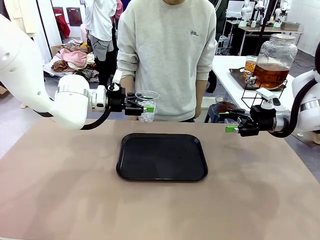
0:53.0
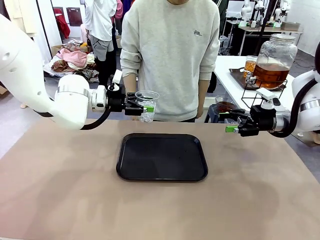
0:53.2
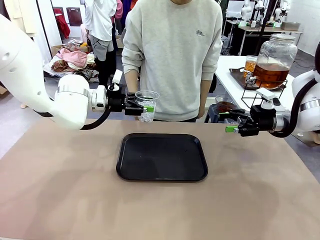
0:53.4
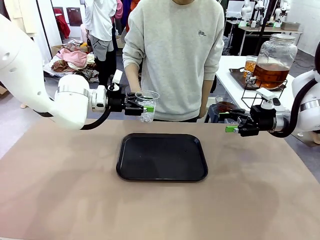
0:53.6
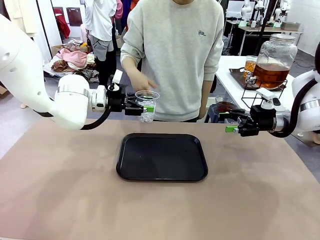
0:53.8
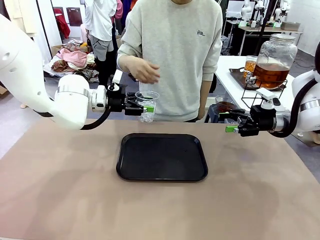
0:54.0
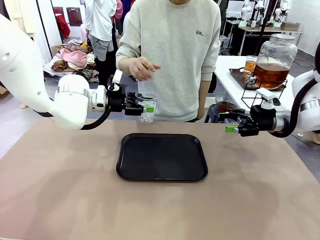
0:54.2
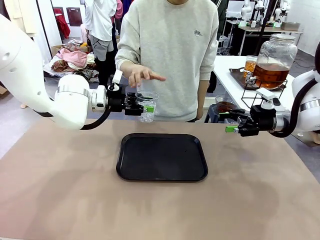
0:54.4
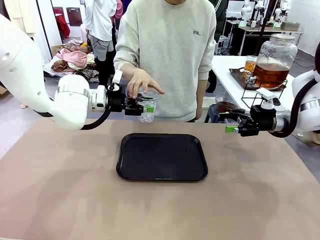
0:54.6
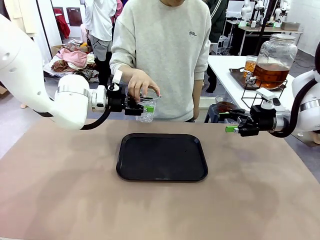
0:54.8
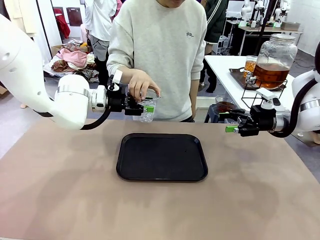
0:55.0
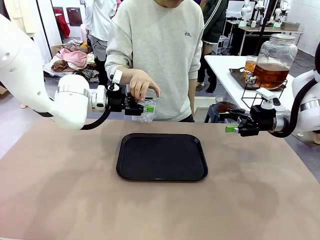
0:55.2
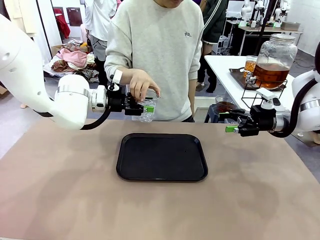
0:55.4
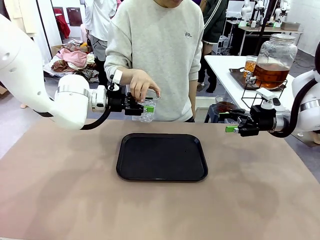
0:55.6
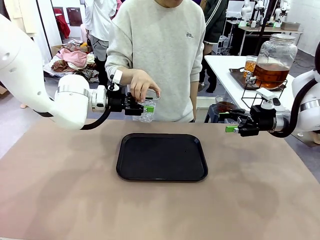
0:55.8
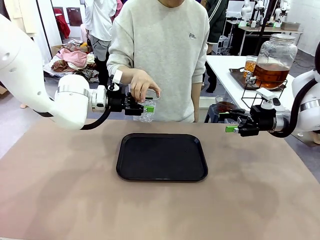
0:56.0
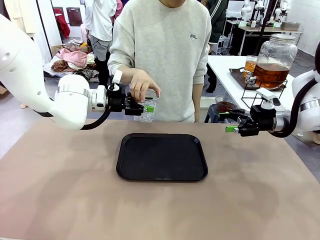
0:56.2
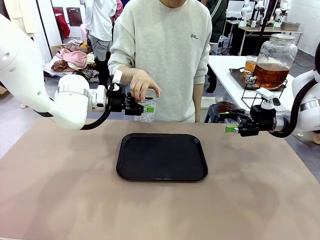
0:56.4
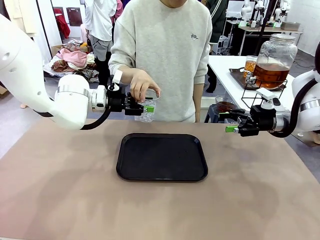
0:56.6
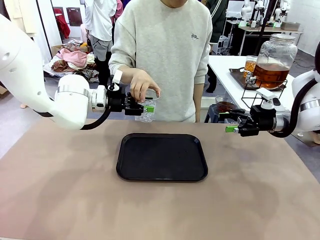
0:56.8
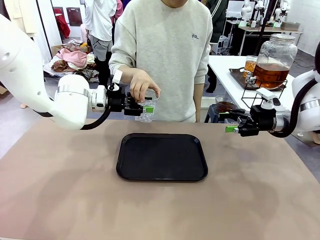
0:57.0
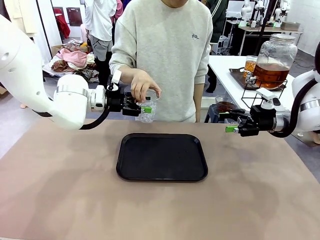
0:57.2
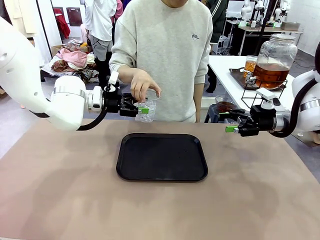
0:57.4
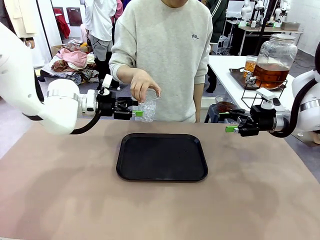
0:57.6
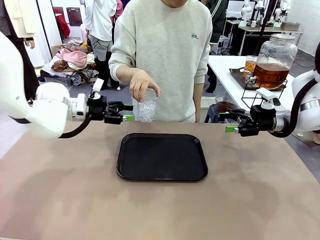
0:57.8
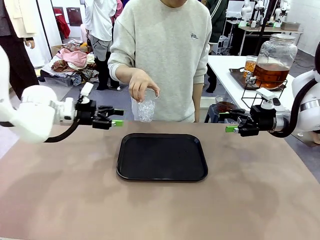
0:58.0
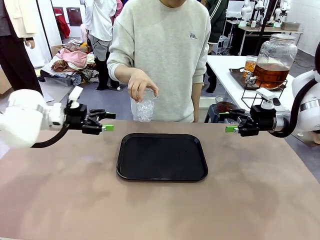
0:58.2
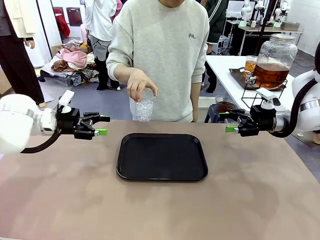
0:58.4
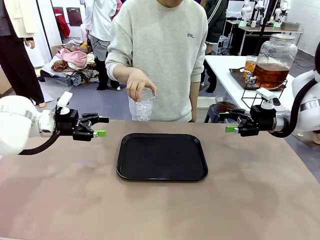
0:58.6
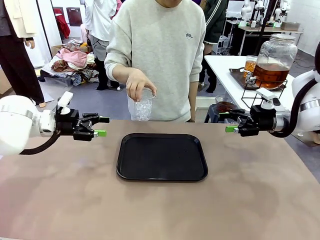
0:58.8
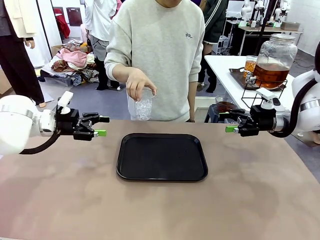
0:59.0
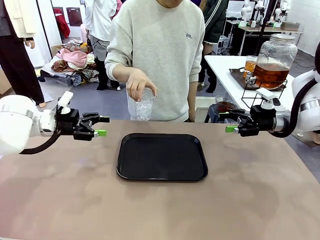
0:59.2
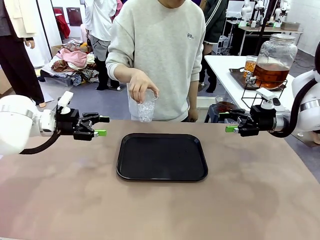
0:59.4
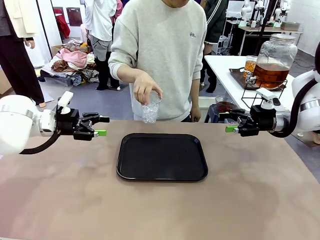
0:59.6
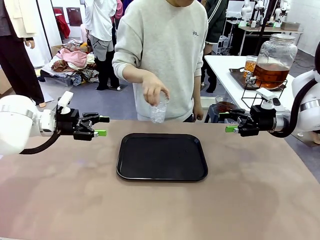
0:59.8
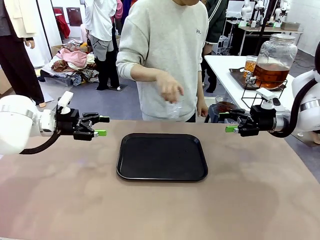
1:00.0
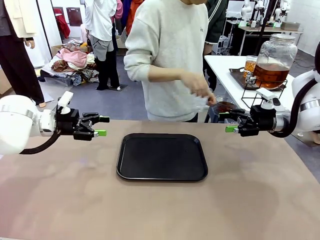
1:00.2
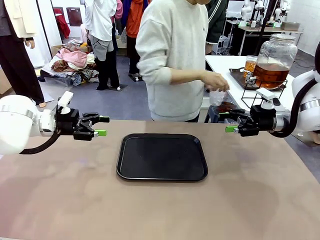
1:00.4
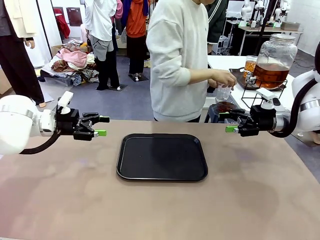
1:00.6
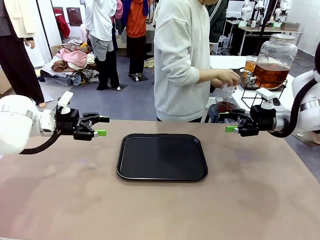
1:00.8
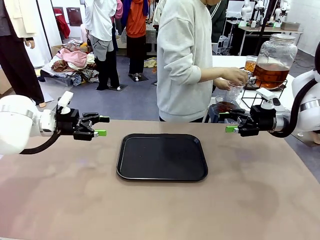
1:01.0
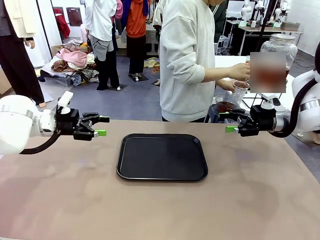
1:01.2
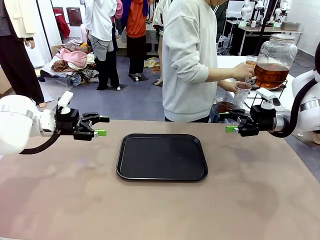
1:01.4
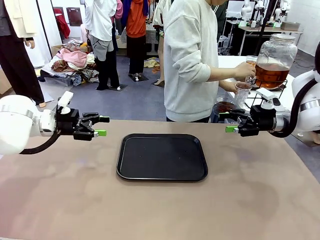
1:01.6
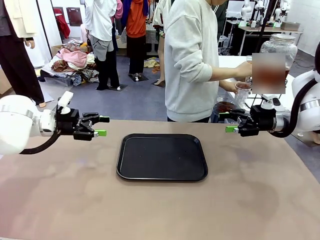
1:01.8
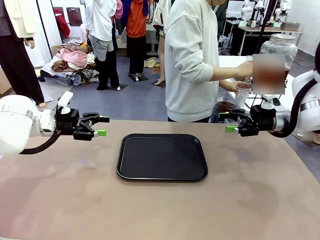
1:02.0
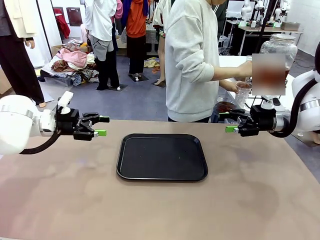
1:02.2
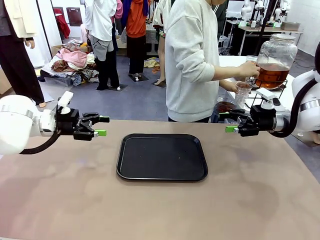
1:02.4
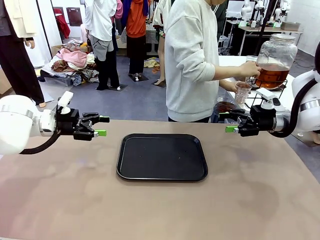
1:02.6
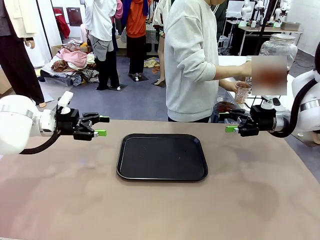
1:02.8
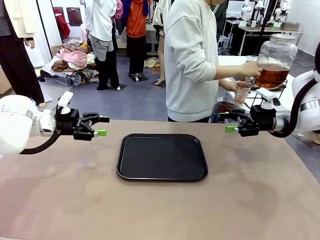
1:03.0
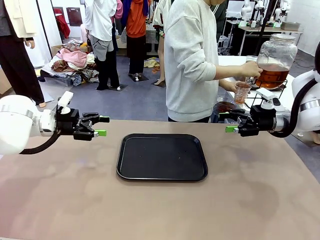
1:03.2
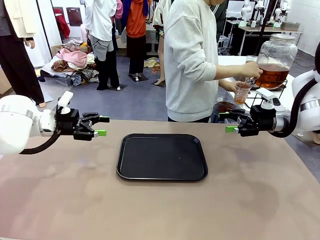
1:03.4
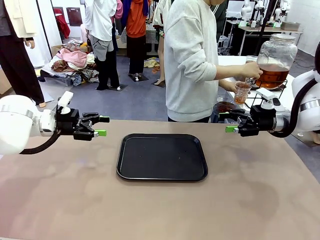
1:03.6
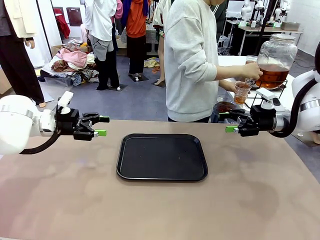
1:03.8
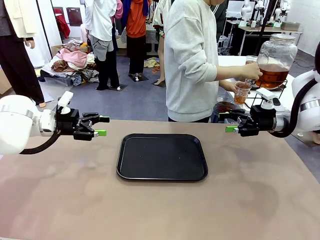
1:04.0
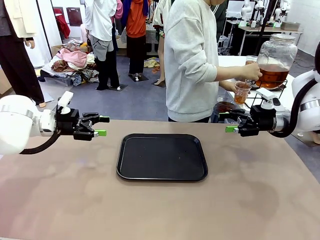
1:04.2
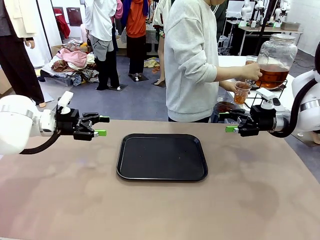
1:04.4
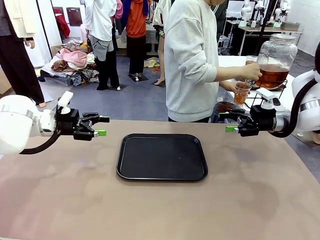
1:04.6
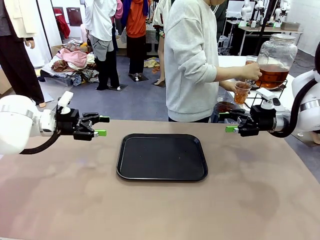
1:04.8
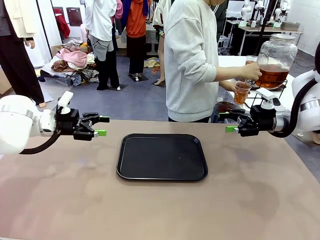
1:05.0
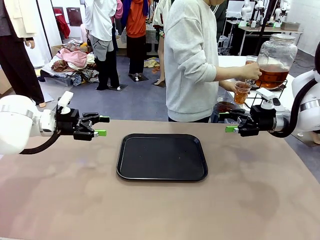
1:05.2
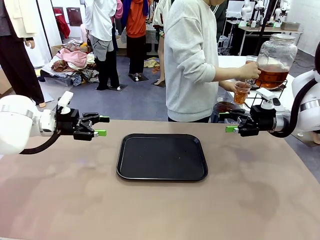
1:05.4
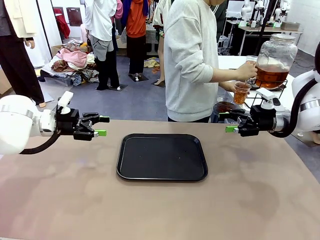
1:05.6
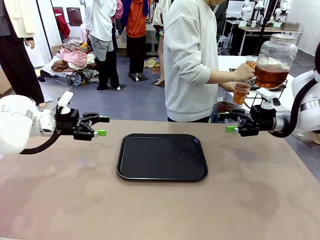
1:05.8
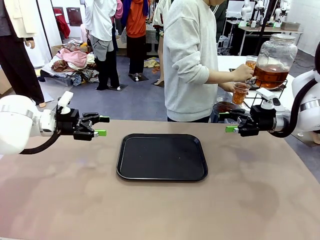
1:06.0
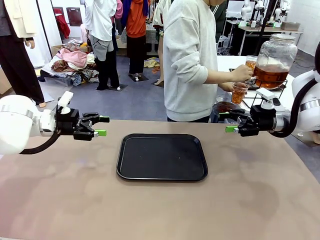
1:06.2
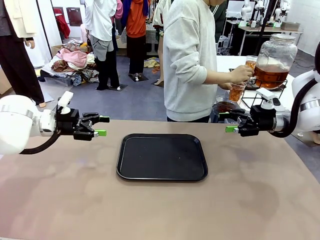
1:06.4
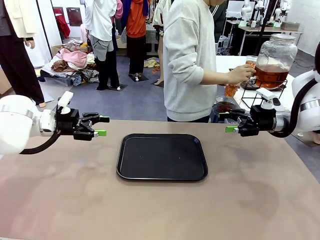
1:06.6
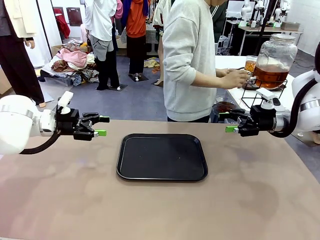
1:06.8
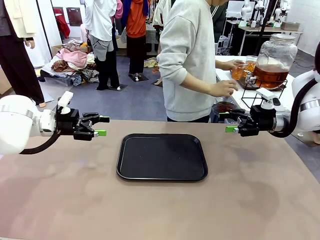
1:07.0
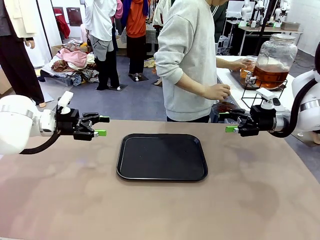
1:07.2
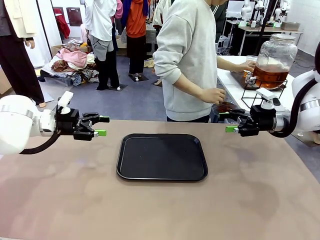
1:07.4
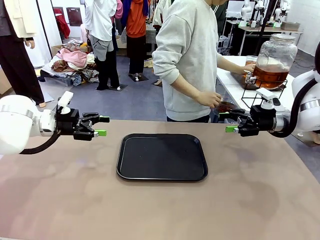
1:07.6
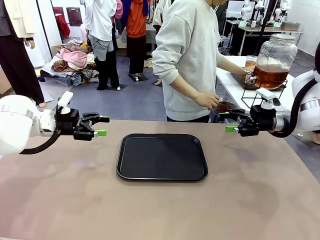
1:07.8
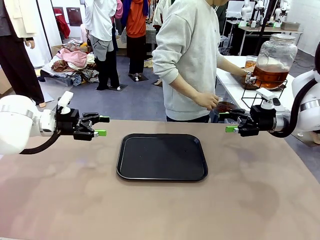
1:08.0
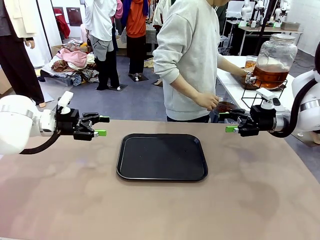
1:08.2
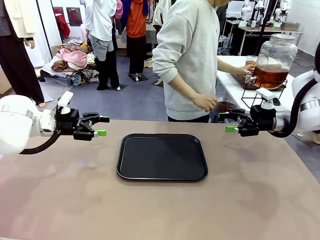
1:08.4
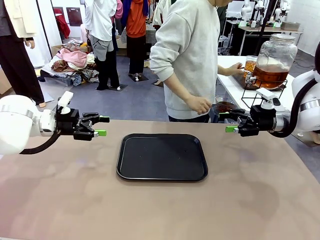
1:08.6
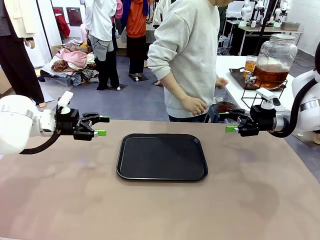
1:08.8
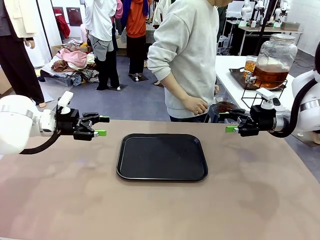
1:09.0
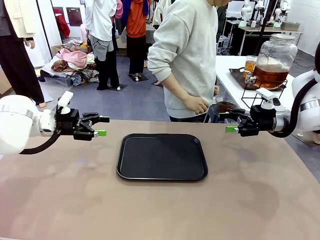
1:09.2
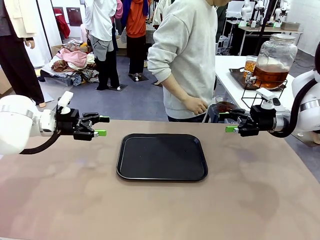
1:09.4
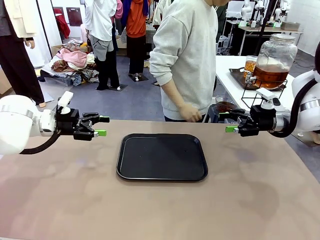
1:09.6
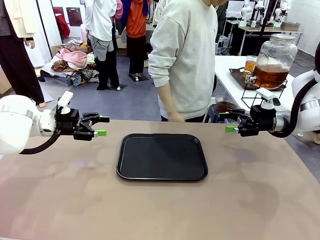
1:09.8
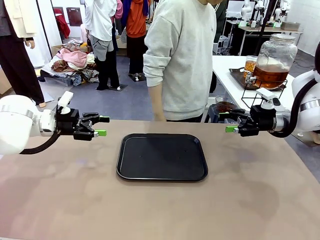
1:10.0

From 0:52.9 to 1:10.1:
Task: Pour the drink into the iced cup.
Robot: Open the gripper to release the iced cup you were holding.
Person: Move the picked-up cup under the dispenser faucet, pour the drink, and place it on the tray on the human table.

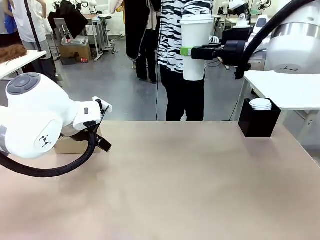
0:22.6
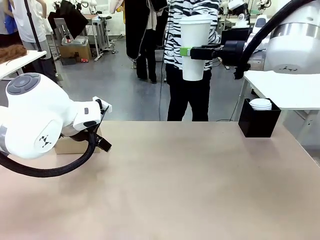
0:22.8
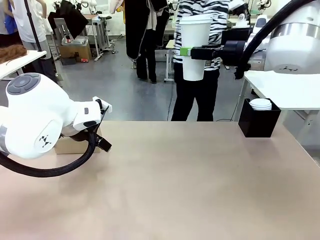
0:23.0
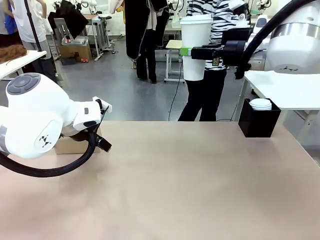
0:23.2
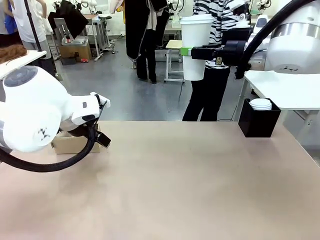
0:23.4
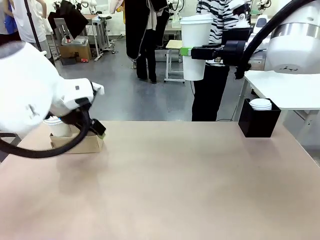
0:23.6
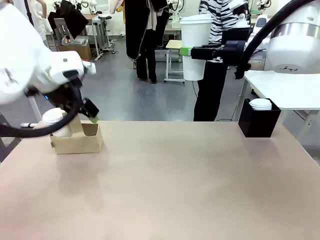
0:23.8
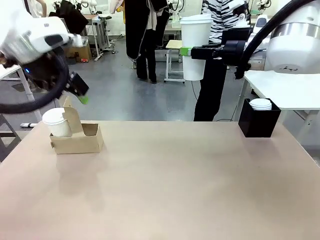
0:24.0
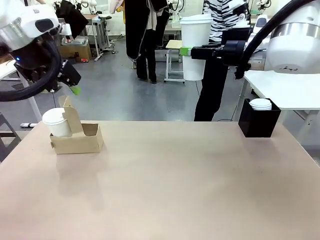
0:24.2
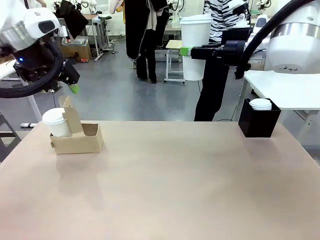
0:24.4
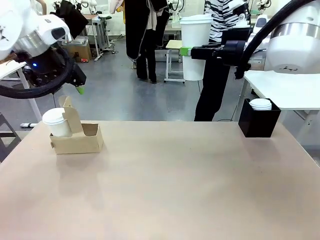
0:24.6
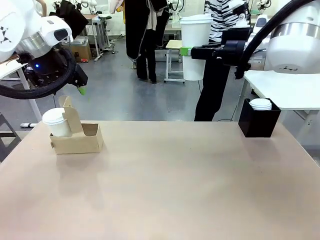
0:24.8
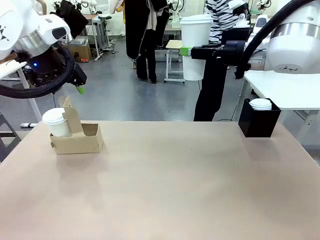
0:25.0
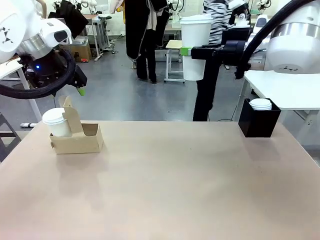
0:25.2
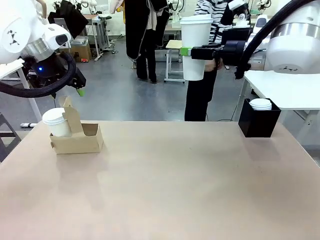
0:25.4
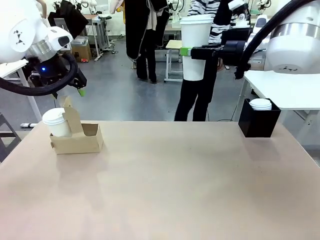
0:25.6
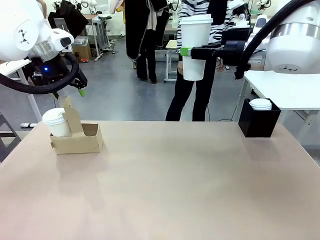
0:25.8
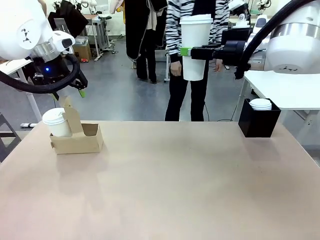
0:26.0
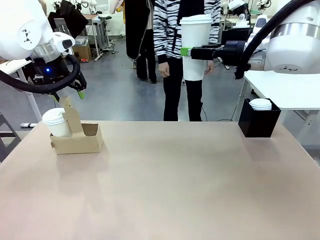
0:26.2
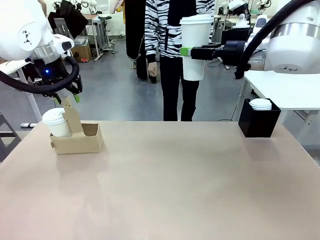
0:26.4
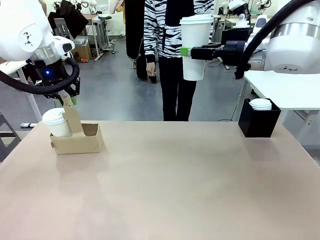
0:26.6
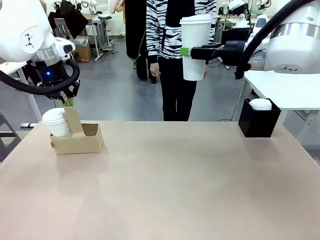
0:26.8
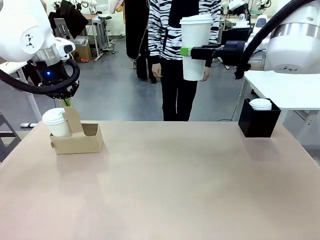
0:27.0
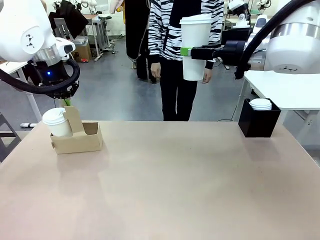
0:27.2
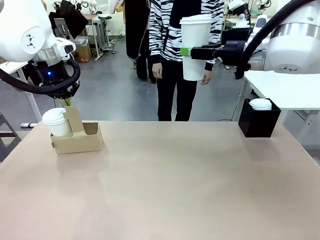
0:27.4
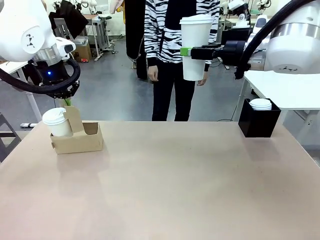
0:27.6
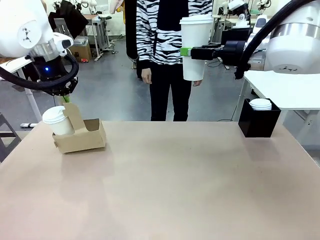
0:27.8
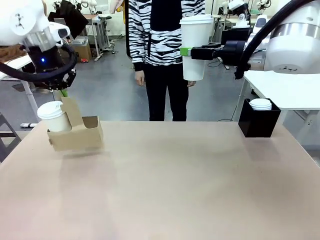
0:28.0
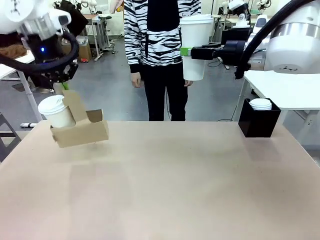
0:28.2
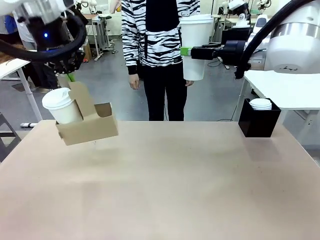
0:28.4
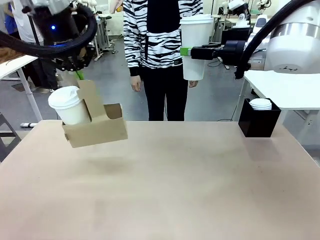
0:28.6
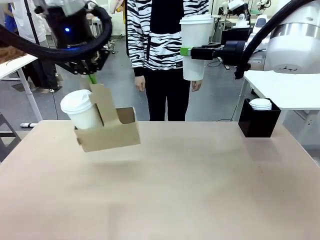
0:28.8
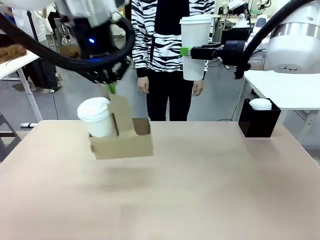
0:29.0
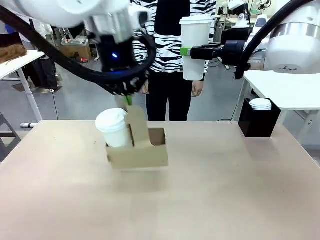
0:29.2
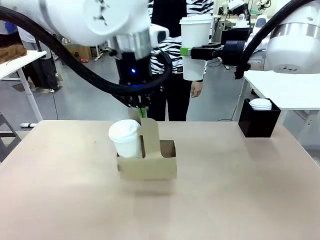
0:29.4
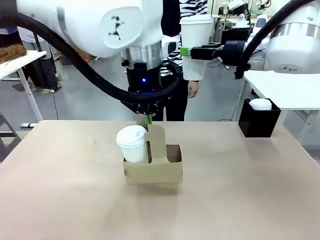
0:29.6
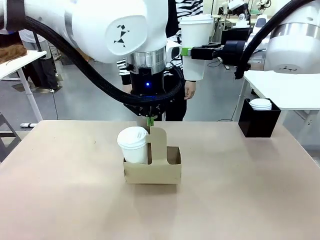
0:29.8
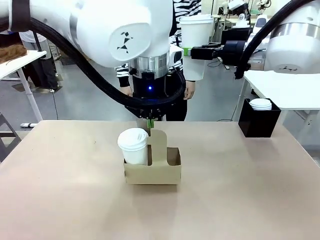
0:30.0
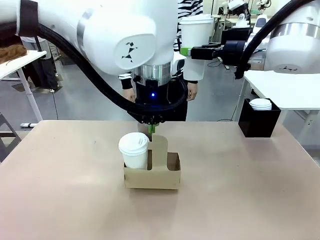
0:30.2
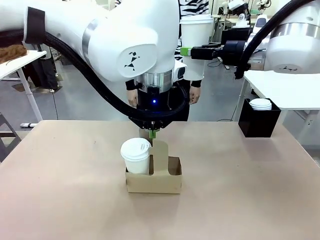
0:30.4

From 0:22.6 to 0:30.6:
Task: Pour a drink into a cup and package it in a carrier.
Robot: Position the Cup Carrier in the center of the table.
Person: Pick up the Filter Brewing and place on the middle of Human table, and return to the Robot table.
